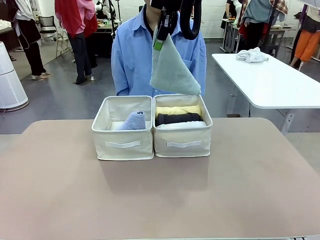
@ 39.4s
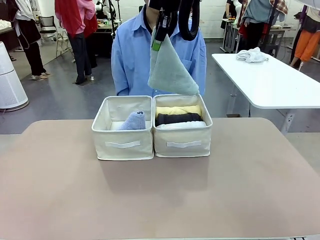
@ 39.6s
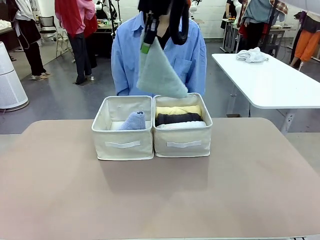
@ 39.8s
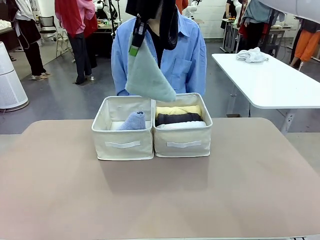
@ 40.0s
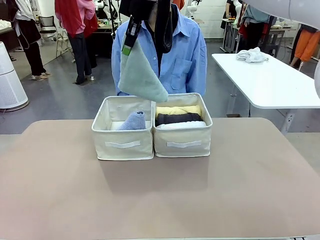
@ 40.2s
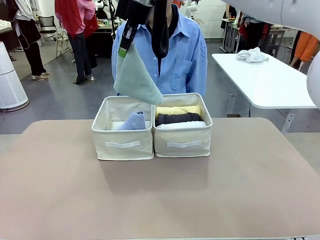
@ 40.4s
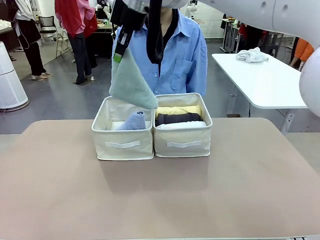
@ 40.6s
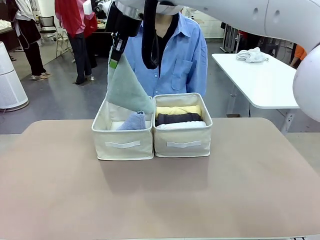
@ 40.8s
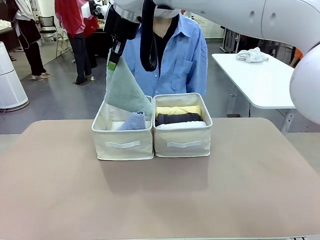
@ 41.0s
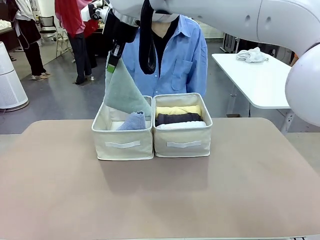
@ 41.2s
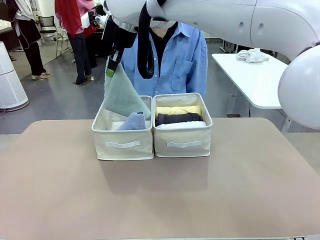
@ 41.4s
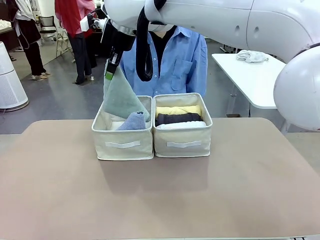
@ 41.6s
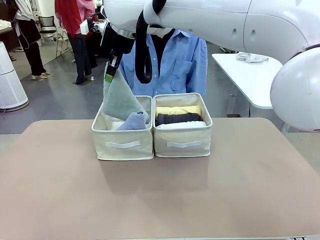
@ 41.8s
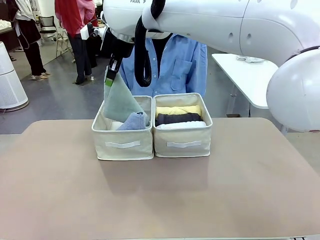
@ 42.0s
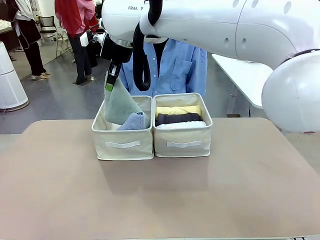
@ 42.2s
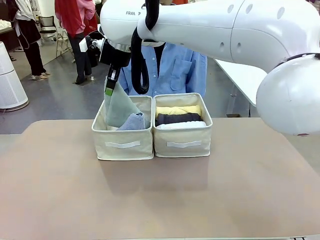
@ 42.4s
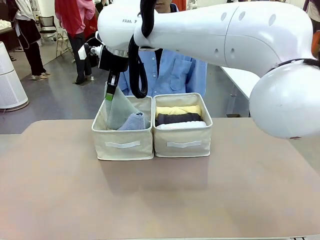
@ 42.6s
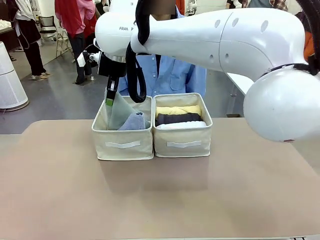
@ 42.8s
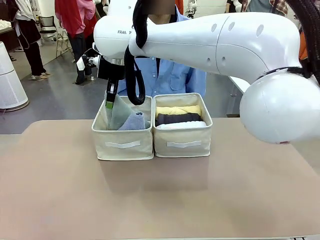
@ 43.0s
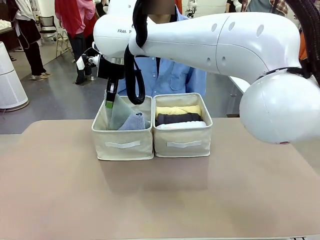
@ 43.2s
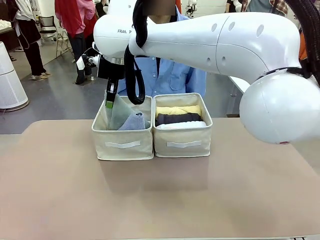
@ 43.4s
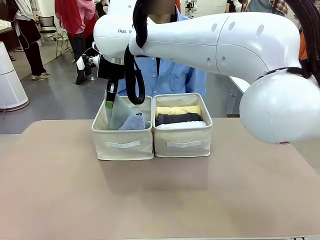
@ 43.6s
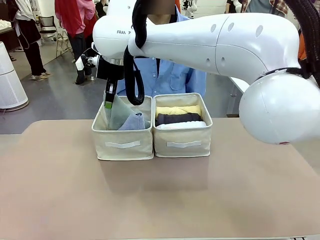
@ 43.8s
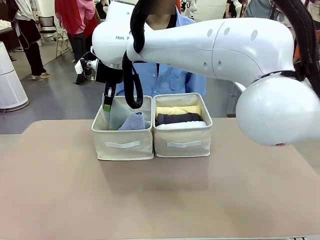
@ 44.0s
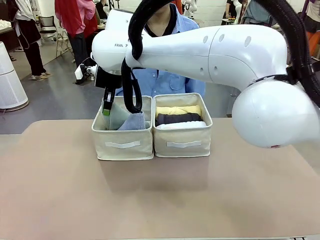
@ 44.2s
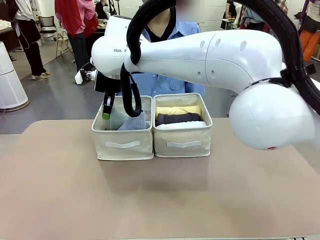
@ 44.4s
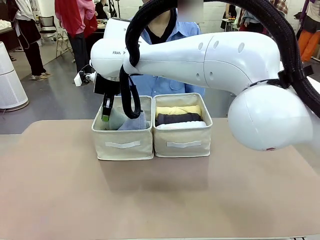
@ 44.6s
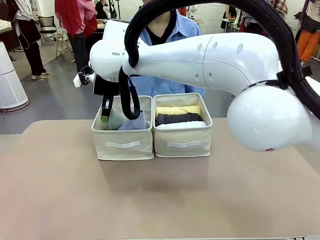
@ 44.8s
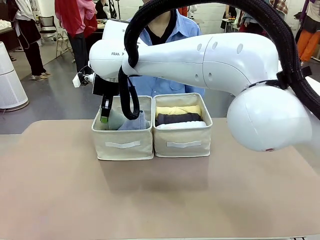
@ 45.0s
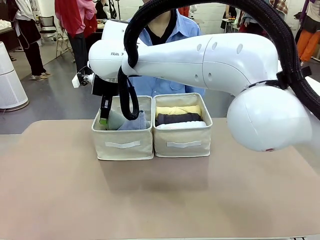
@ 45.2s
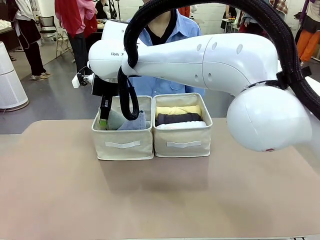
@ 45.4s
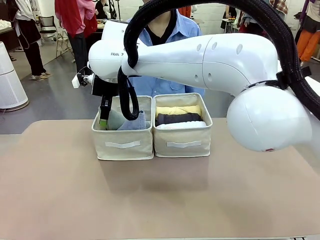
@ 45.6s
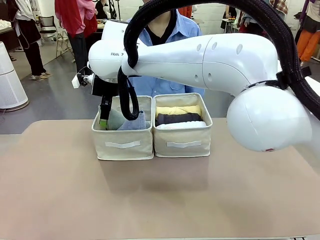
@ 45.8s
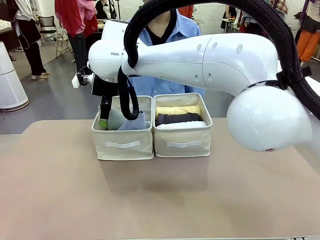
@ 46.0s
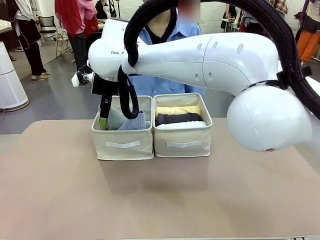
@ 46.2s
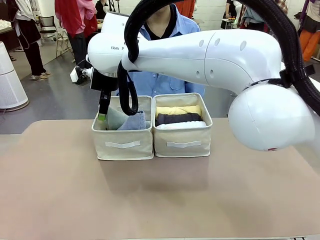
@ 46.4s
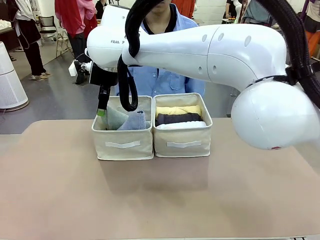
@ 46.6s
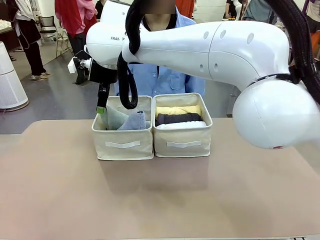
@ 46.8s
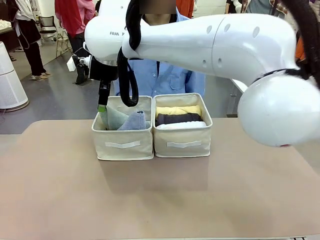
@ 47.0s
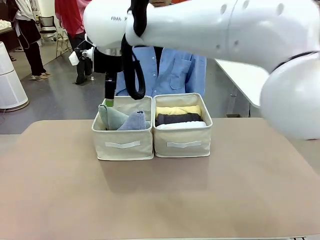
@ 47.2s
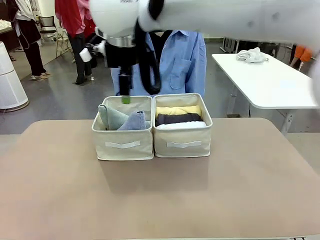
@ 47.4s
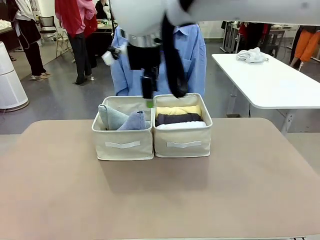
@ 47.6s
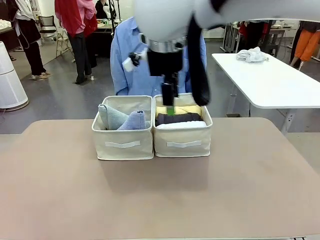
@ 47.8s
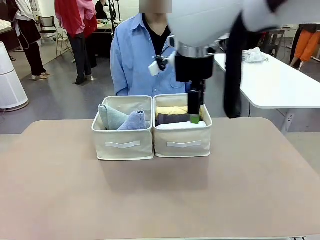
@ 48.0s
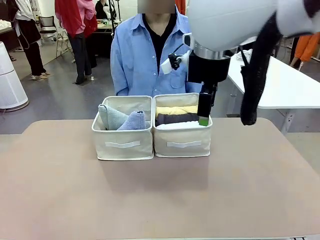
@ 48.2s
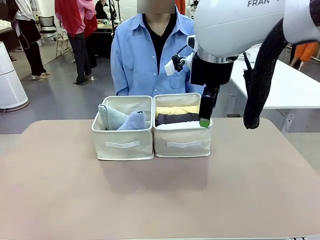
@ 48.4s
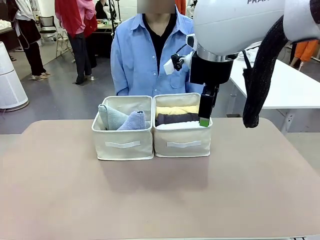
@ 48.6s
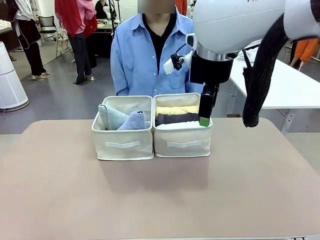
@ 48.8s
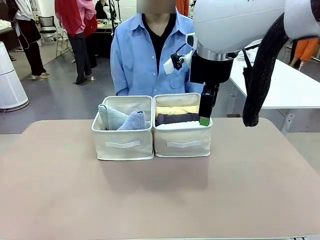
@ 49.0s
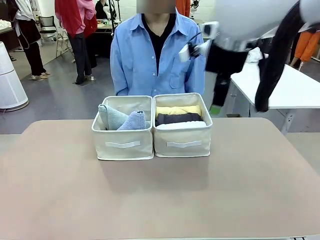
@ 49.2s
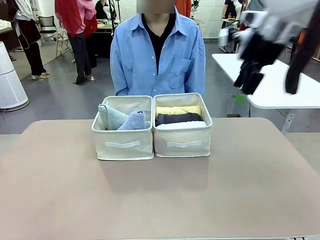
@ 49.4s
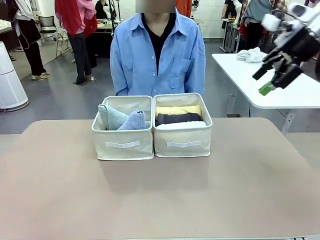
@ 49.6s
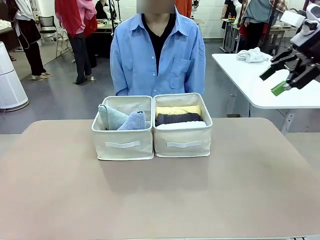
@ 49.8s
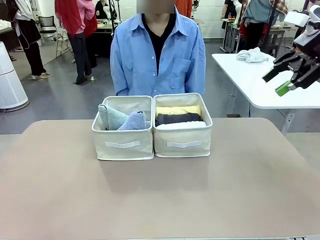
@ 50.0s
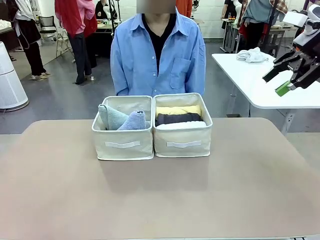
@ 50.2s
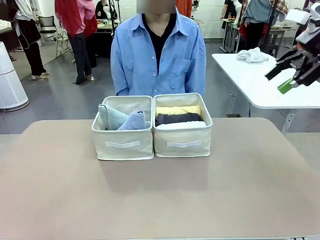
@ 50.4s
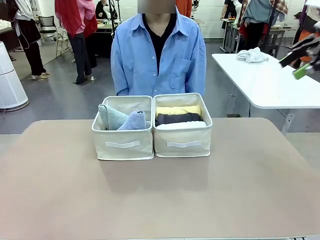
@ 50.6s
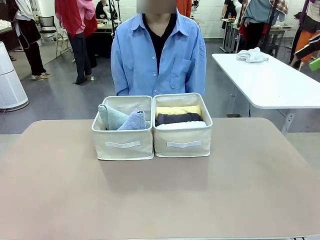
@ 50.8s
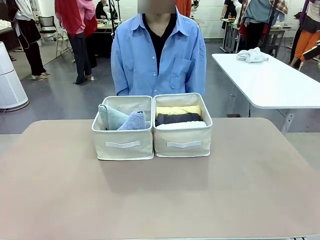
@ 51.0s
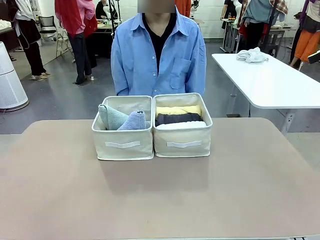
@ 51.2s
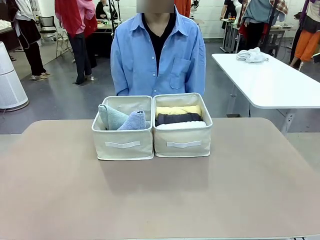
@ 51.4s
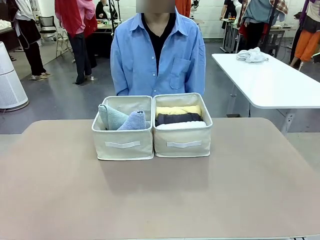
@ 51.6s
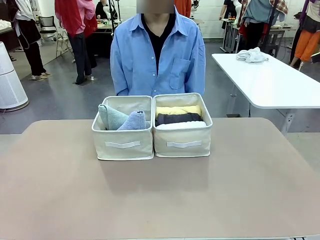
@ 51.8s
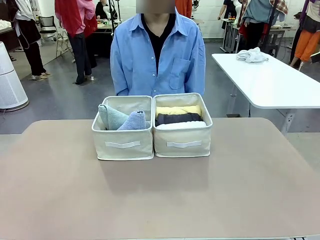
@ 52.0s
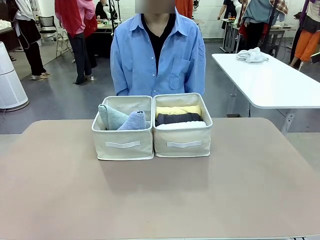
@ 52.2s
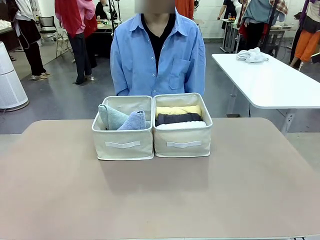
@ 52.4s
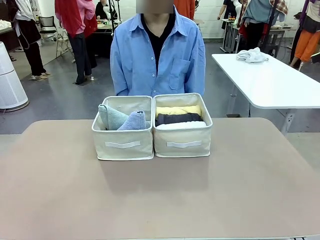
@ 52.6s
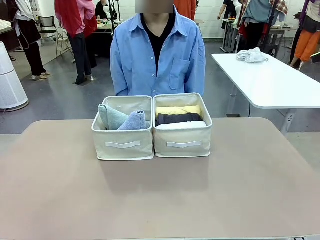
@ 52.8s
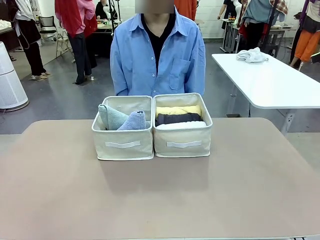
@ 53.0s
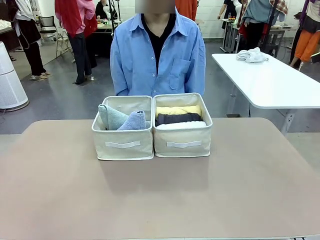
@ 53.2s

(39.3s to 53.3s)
Task: Sort the towels based on their folding style.
Robot: Pick up another triangle-folded towel from the table and place it in the left Fabric basket.

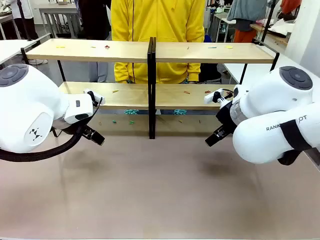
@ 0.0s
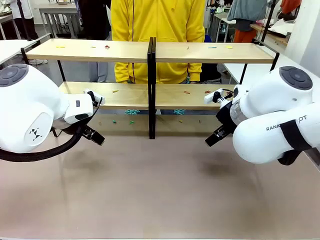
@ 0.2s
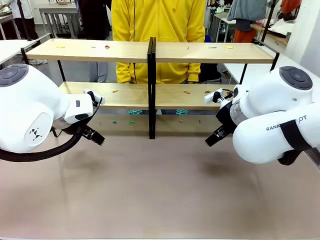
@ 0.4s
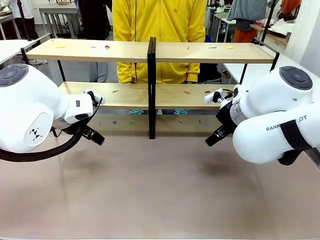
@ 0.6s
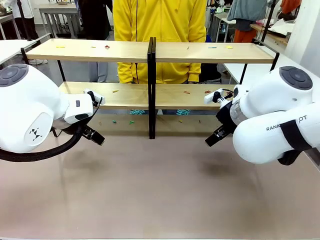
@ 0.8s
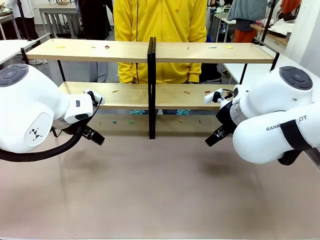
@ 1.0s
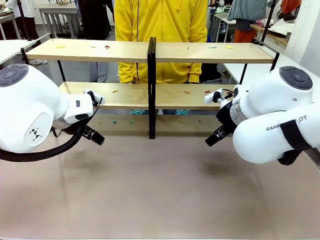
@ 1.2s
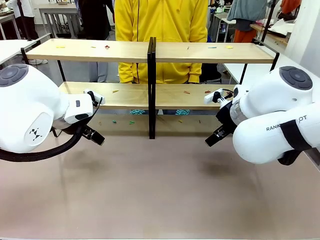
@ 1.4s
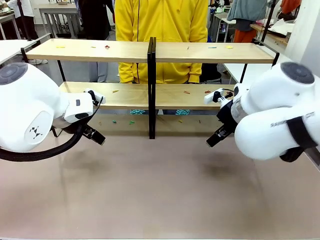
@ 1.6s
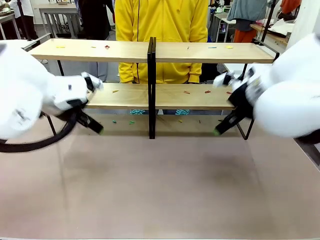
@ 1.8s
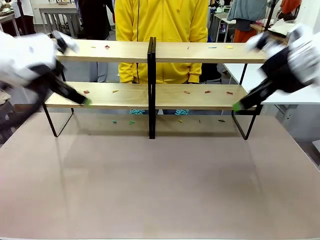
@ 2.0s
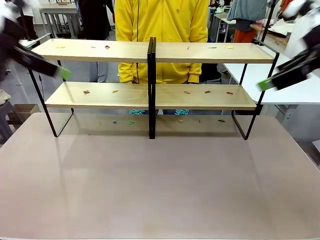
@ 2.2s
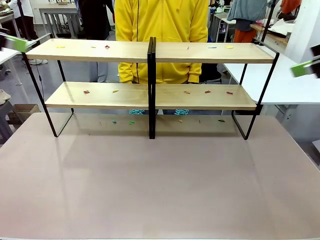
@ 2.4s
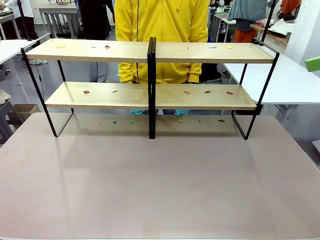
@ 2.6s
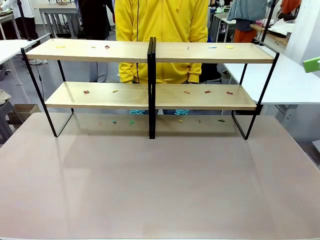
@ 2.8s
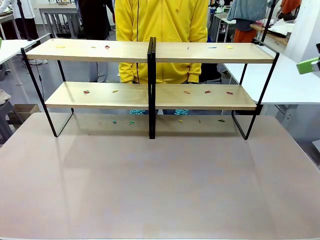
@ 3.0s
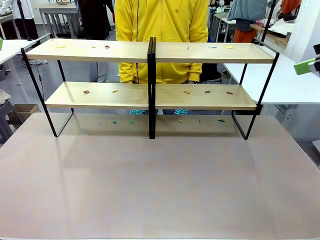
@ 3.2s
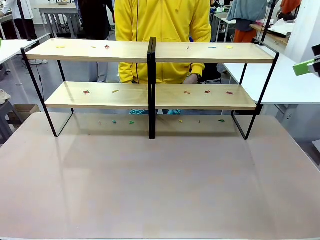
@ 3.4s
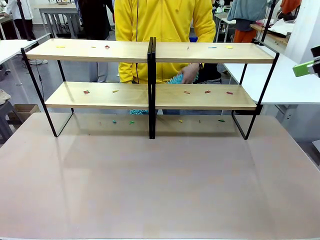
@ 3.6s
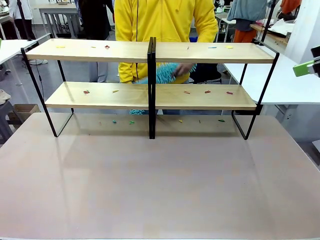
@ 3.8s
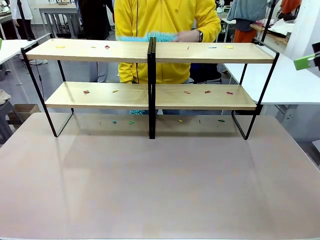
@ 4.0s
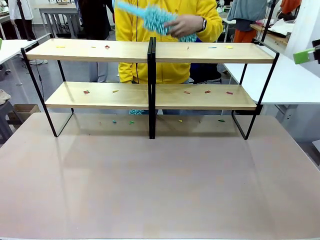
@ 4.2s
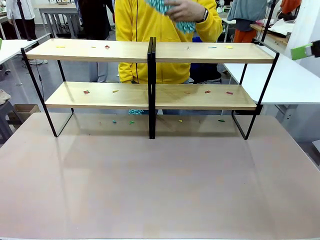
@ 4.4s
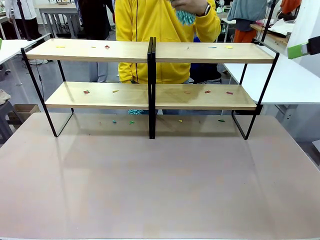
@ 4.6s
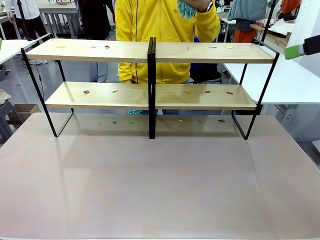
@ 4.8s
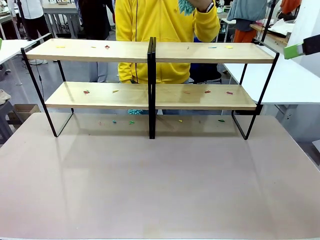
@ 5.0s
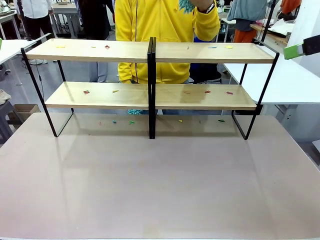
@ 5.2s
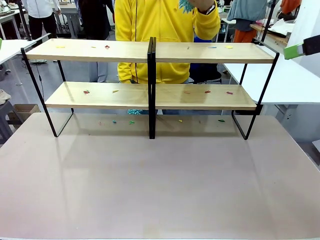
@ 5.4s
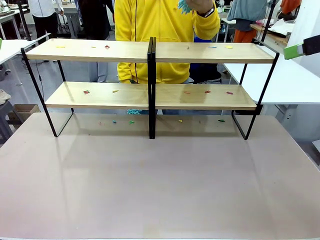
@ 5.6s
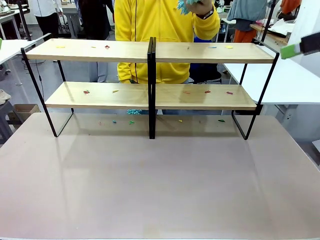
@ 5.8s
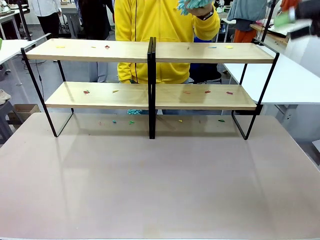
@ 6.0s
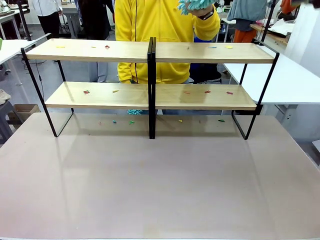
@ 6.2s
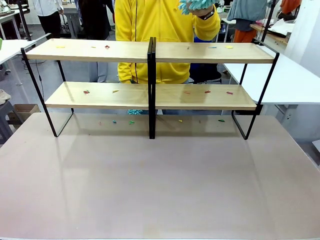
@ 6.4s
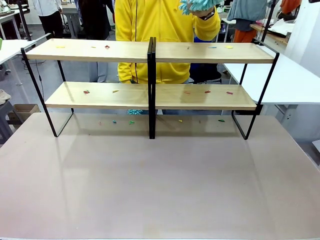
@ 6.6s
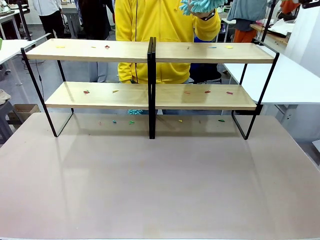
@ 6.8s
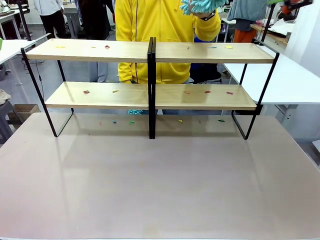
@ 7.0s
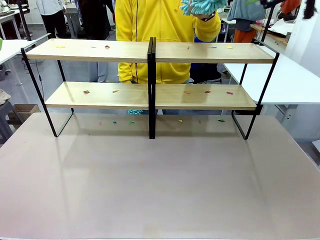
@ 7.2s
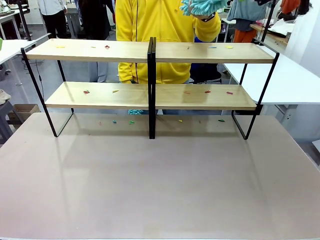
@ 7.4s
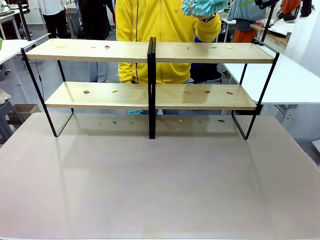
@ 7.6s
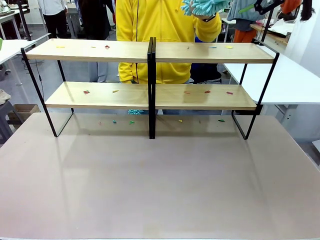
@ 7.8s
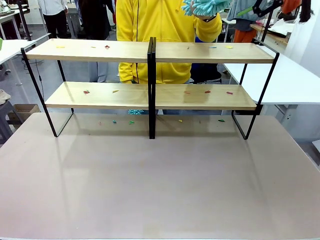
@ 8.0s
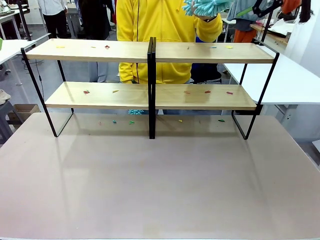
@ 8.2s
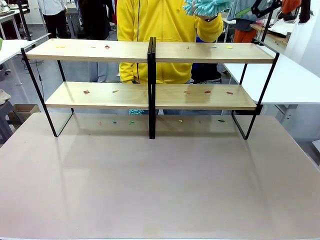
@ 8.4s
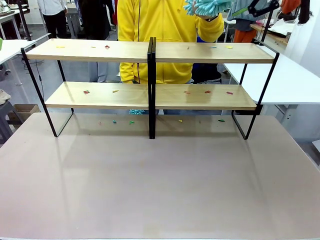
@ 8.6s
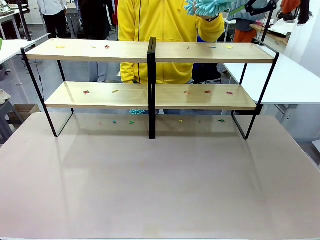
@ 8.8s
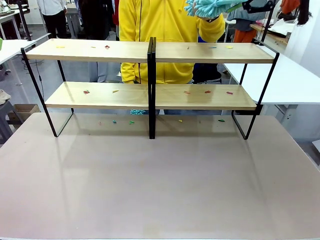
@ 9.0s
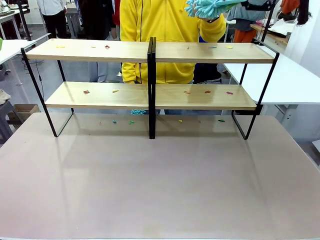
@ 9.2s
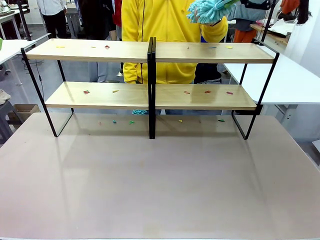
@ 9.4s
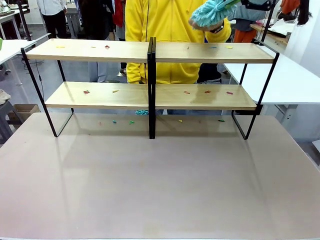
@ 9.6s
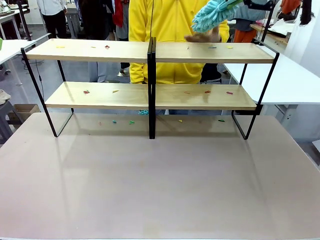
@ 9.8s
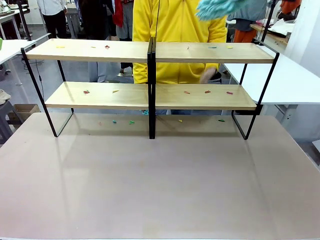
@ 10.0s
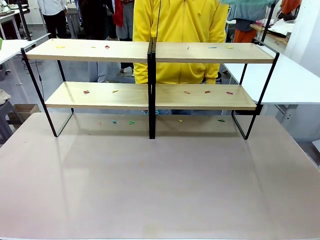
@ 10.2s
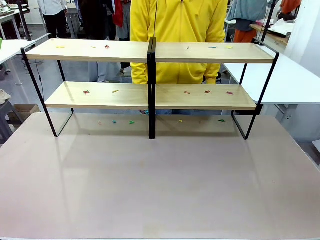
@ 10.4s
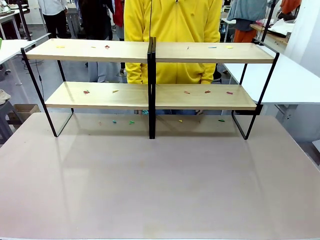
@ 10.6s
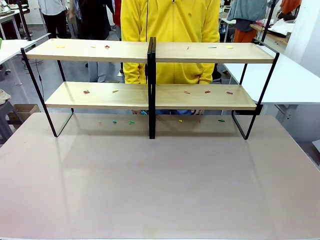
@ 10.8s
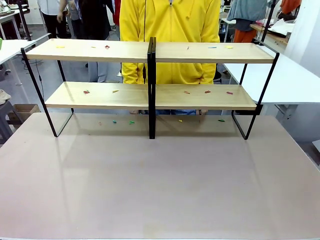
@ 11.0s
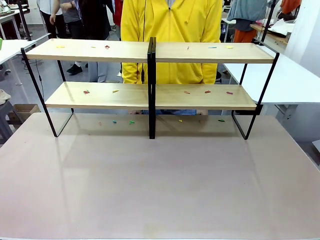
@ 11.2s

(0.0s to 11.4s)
Task: Clean the shelves.
Robot: Pick up the Duster when the human hands it over.
Person: Hand the Duster to the robot with your right (or left) hand.
